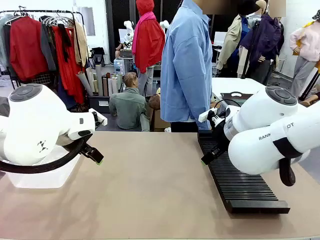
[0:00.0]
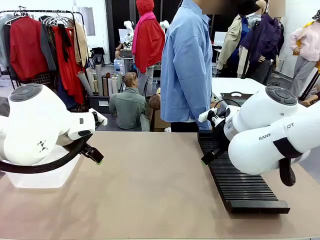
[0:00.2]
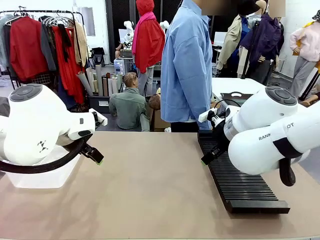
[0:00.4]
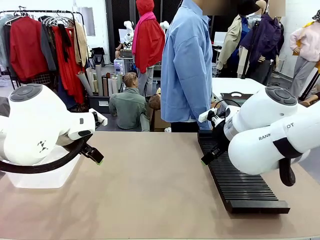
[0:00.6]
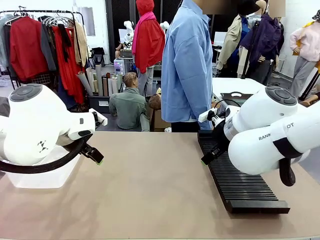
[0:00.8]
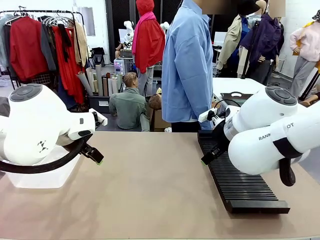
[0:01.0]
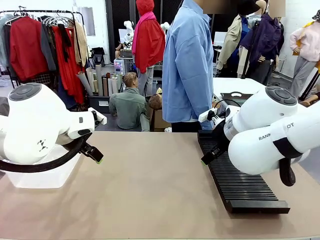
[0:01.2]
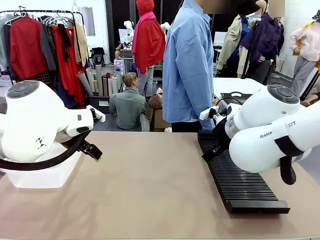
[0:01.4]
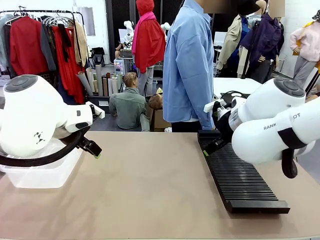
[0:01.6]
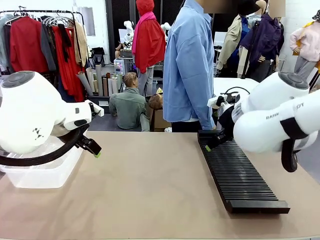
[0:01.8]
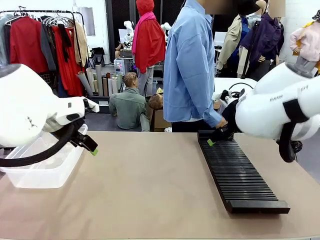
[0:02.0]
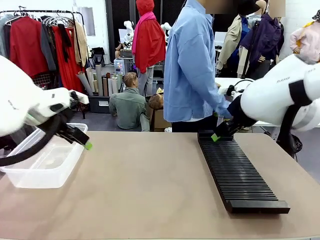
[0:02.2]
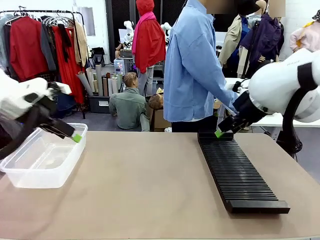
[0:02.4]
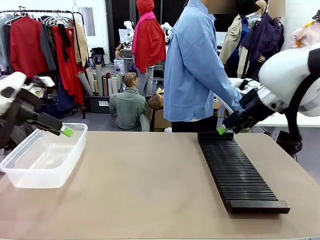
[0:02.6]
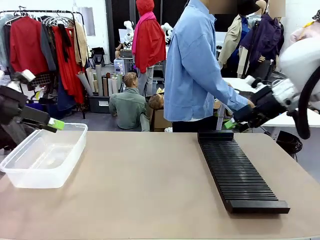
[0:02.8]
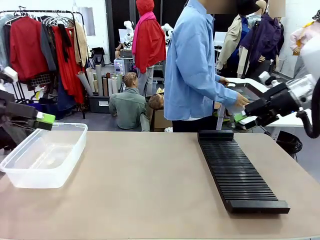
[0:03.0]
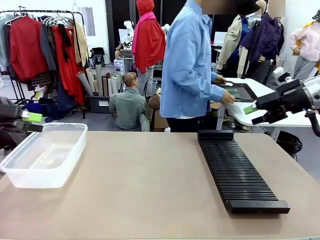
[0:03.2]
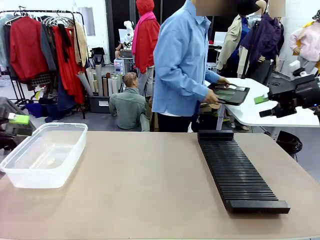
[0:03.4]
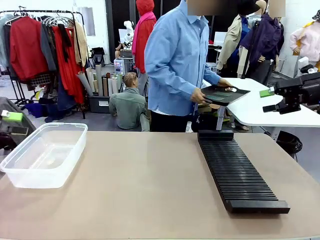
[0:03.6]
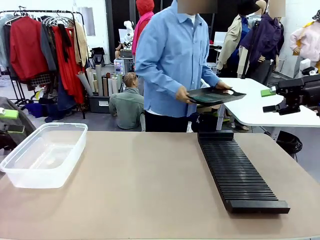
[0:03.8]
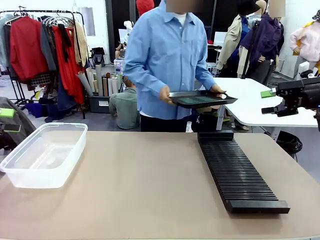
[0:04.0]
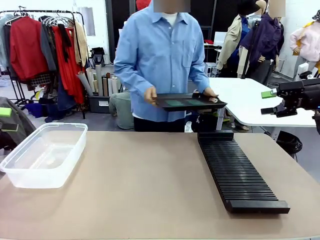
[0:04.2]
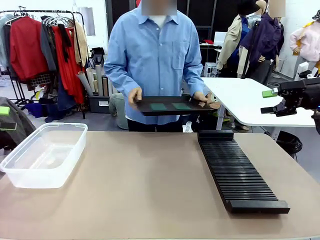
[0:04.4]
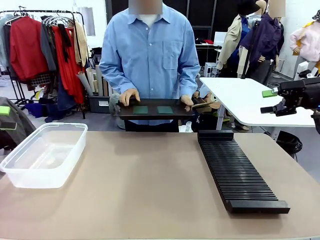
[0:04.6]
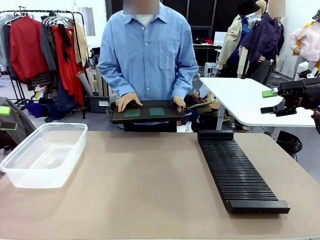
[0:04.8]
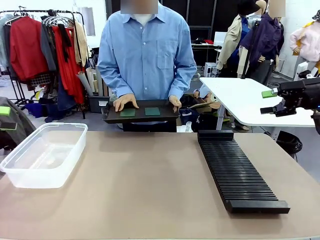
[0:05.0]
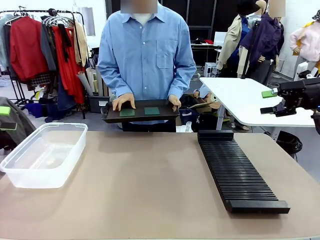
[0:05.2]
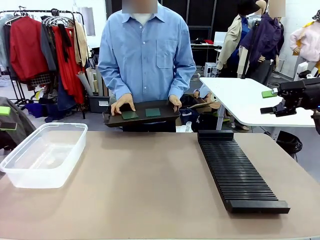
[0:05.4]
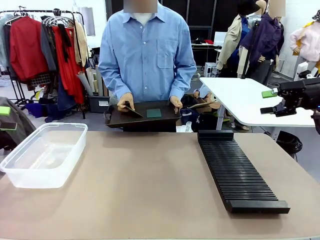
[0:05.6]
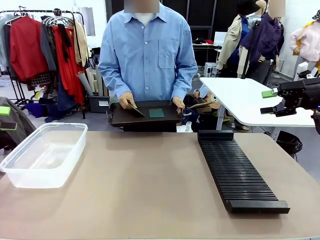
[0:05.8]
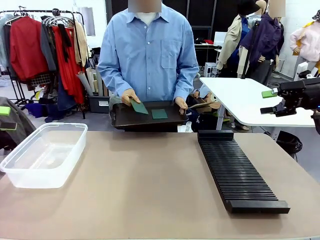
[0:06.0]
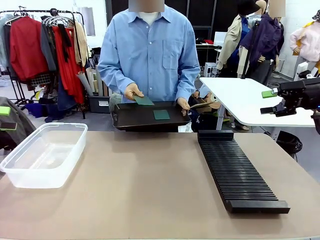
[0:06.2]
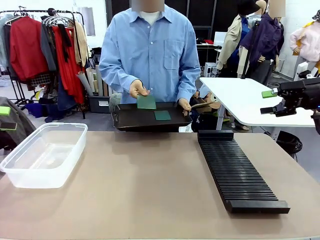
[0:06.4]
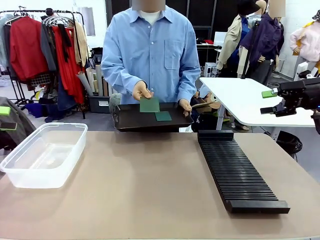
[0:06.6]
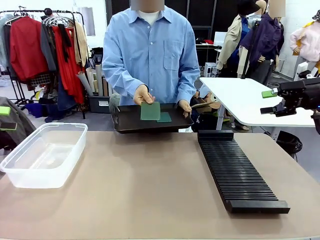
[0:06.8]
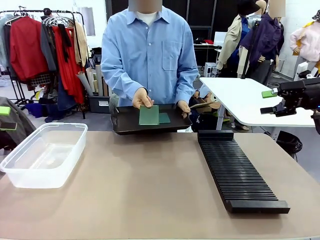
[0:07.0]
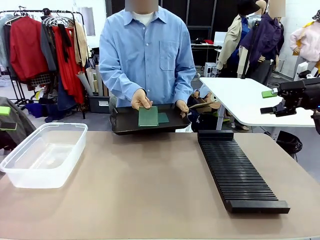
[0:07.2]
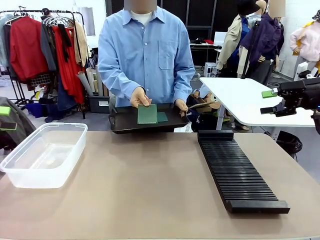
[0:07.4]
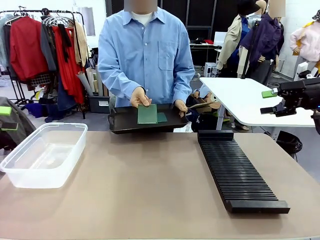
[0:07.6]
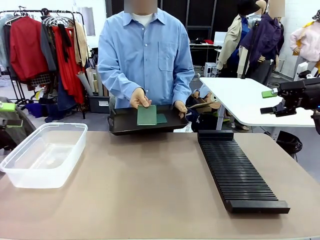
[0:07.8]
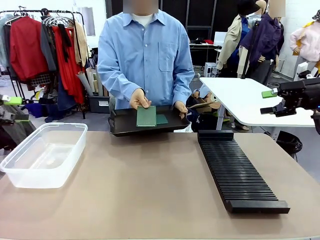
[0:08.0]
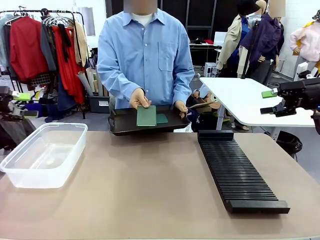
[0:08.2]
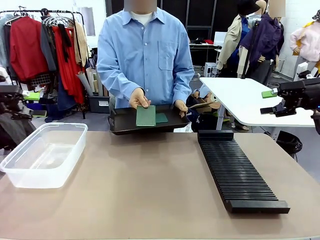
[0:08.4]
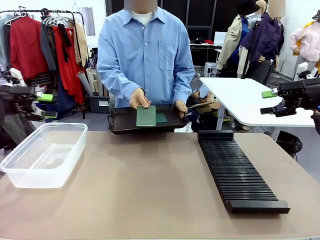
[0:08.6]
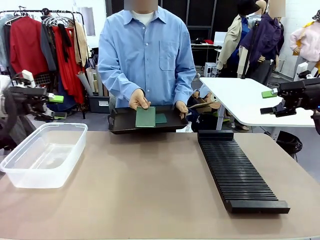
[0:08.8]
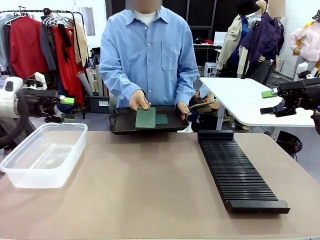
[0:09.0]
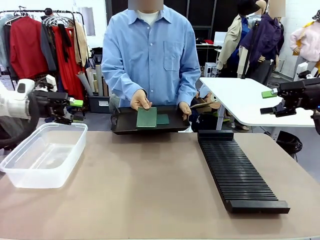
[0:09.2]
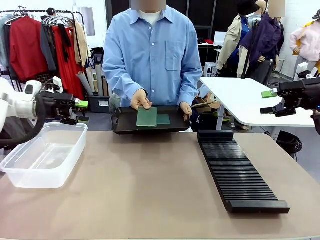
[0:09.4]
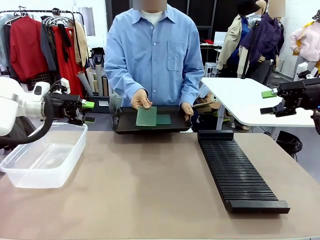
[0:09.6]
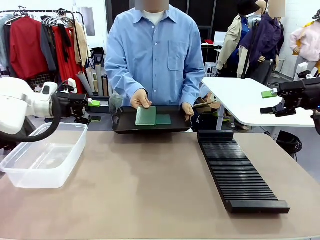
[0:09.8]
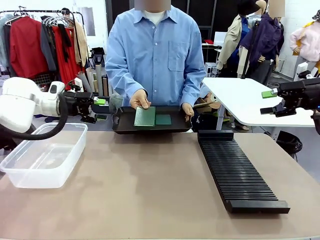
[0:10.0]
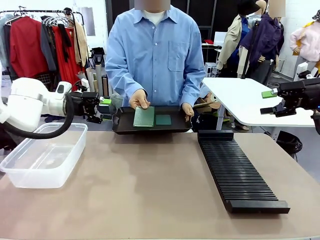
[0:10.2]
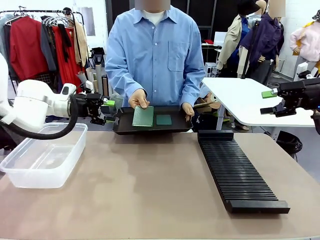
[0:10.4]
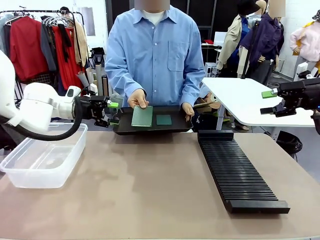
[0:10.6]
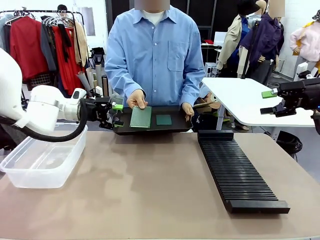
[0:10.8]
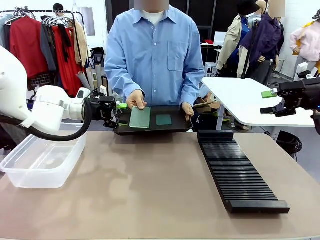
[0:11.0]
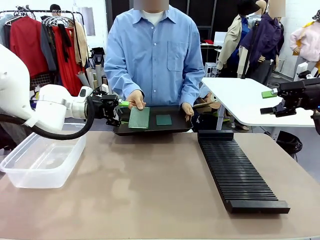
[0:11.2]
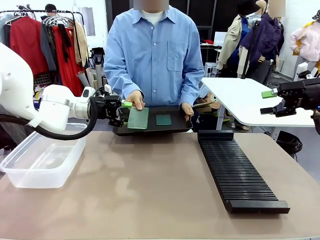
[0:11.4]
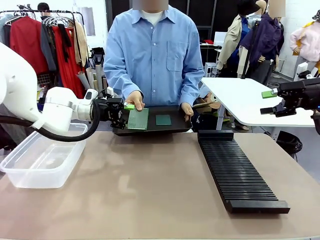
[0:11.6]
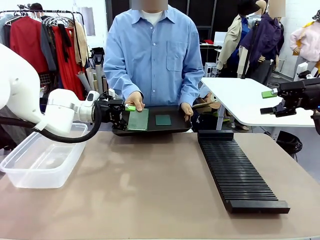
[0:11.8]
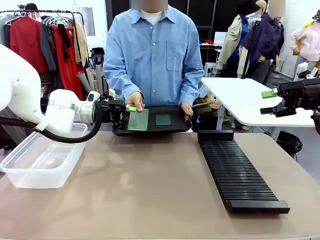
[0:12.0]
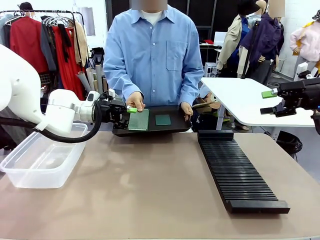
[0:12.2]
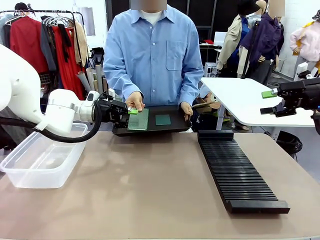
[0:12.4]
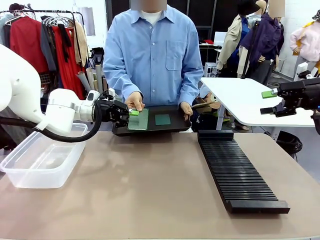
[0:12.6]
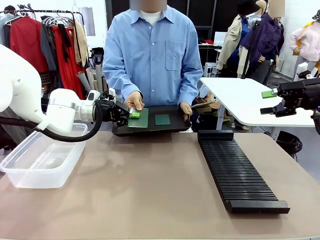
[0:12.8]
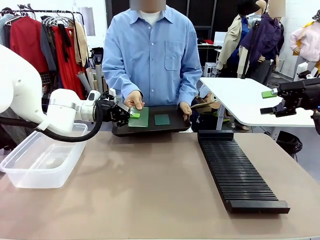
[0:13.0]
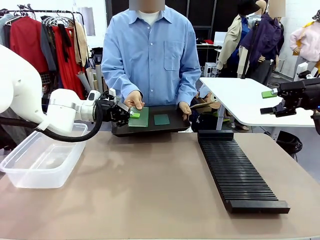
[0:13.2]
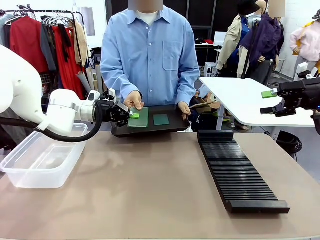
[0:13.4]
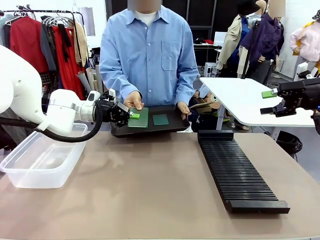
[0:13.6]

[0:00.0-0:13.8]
Task: Sort PCBs into racks and boxes based on the side picked up.
Robot: Pick up the Blank PCB handed by the Human.
Person: Pick one PCB from the tray and present it to the robot. Release the PCB being held.

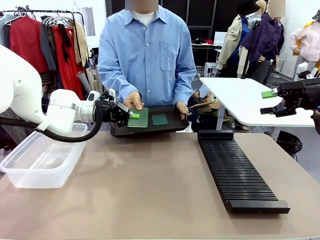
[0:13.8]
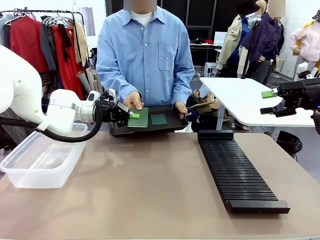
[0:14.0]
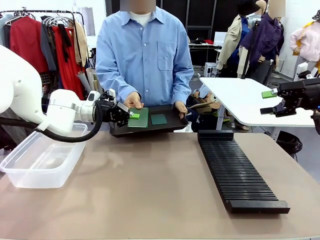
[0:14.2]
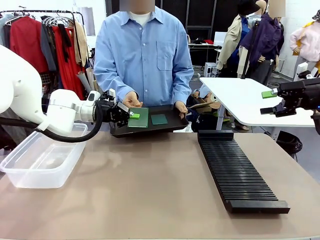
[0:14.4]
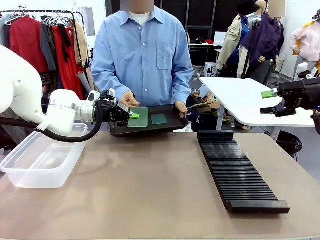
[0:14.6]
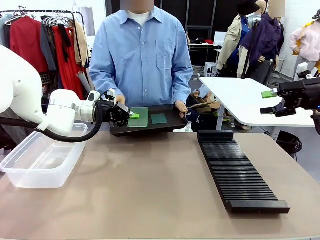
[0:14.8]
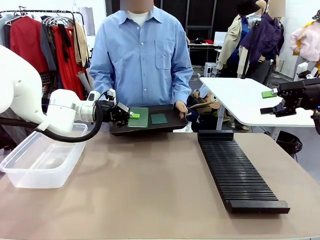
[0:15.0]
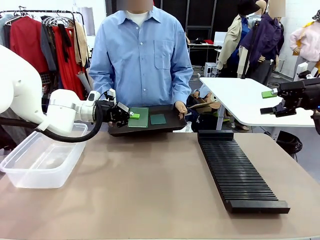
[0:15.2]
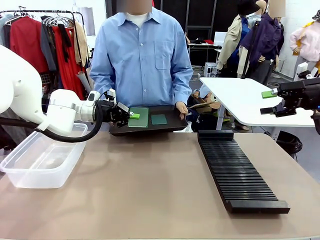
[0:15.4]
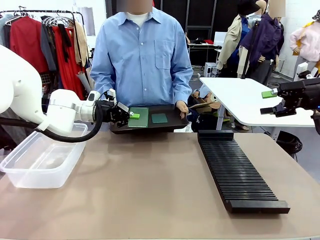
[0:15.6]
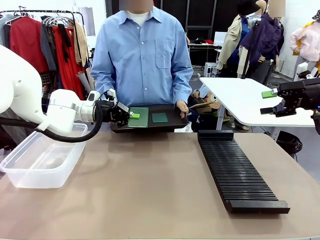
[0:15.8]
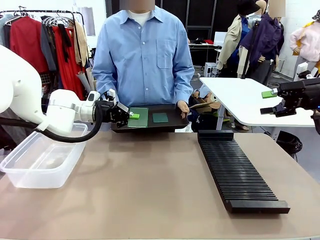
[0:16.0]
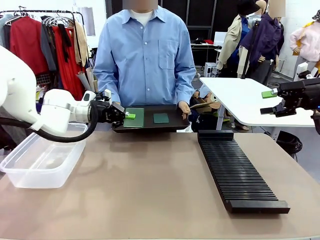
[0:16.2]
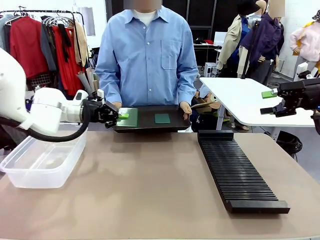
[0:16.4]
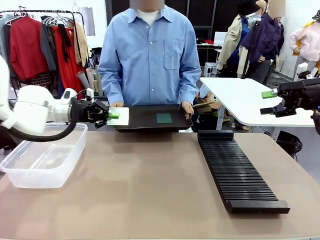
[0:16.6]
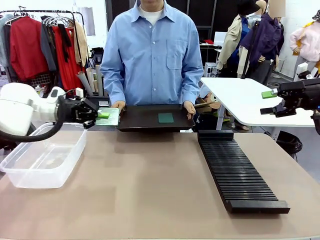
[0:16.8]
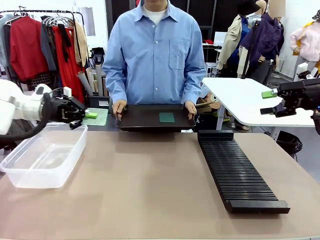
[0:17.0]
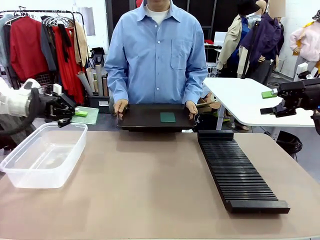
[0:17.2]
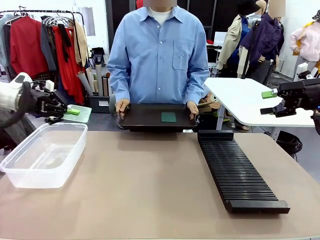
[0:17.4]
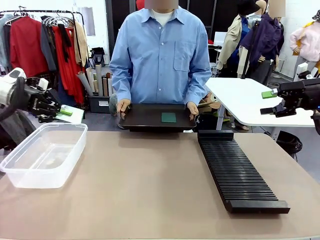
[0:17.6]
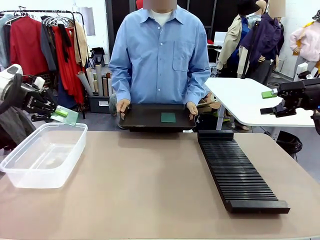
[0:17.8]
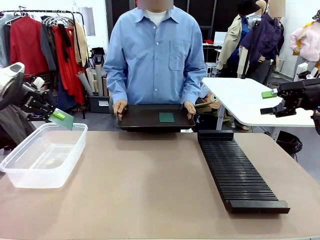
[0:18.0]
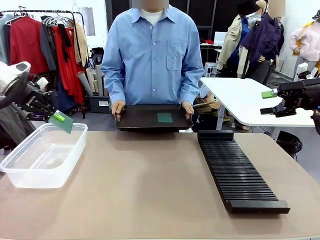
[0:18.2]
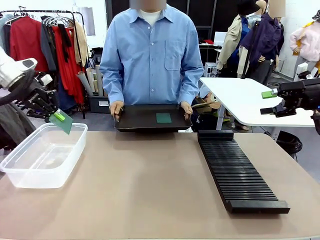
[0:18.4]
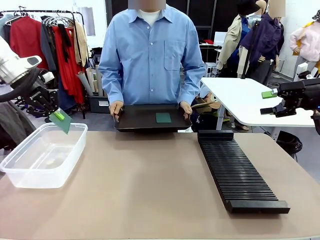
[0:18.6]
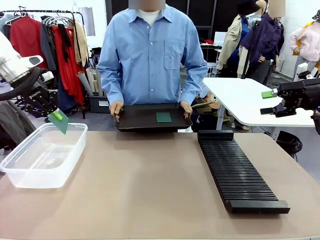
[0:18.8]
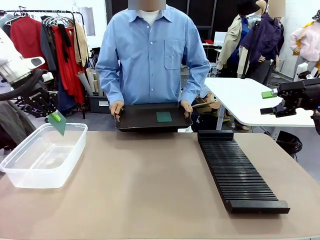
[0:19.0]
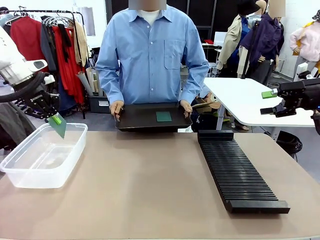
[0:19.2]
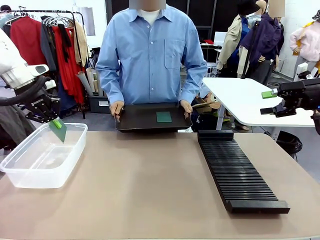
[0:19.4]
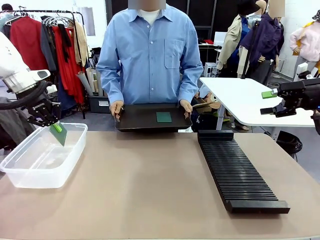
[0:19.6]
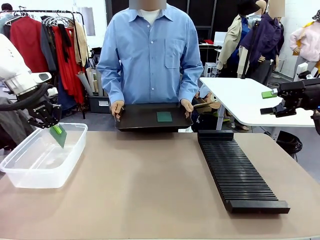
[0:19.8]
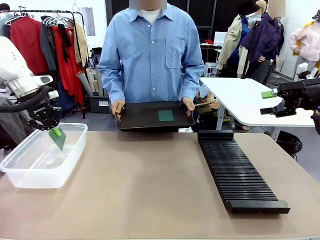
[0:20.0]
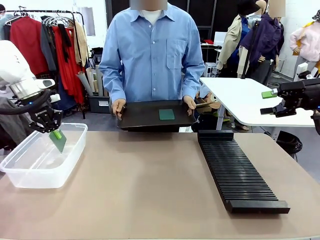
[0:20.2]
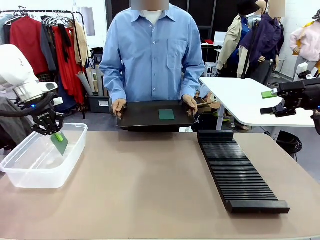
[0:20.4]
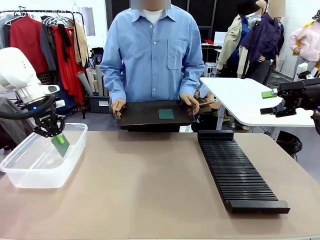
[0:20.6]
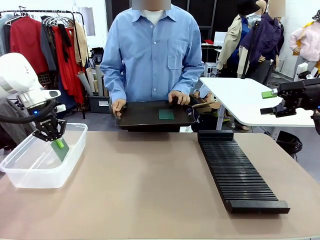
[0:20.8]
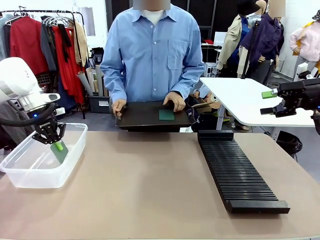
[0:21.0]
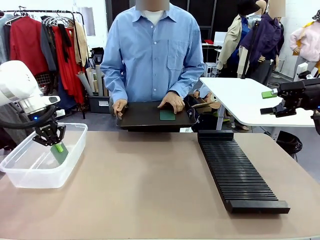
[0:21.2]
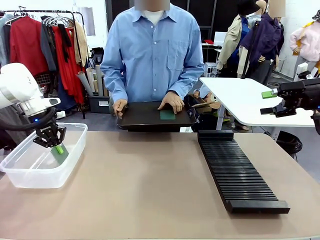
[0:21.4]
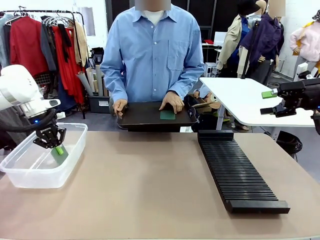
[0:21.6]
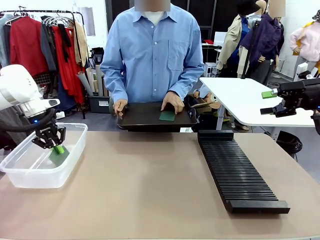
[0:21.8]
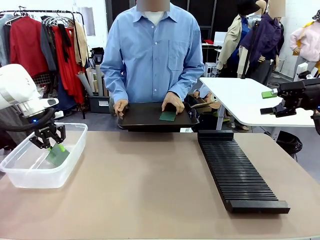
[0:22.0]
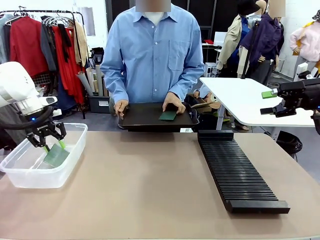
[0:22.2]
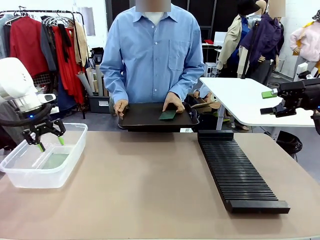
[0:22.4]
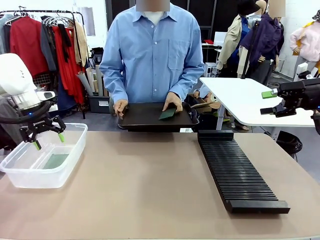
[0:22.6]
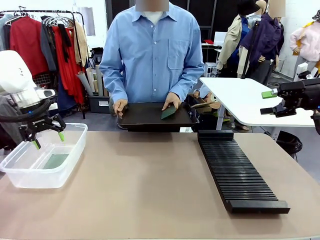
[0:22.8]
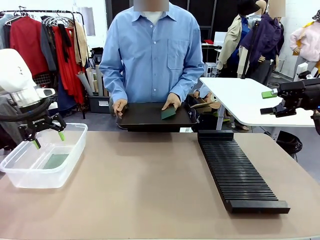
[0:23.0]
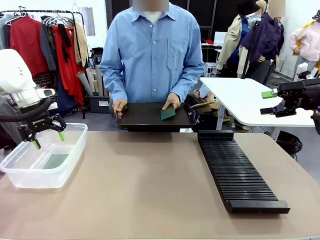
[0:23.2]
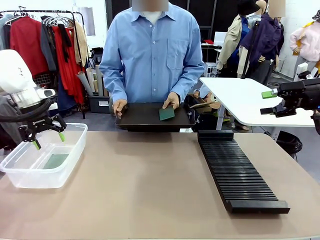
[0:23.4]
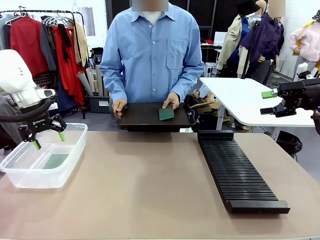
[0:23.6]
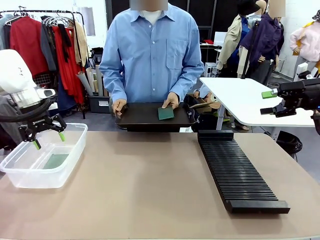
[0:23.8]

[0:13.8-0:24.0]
Robot: If the short side of the Blank PCB is picked up, insert it into the PCB Rack ; if the long side is picked up, place it in the Organizing box.
Person: Pick one PCB from the tray and present it to the robot.
